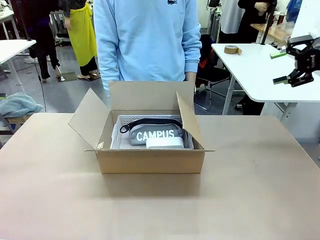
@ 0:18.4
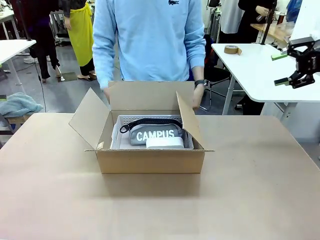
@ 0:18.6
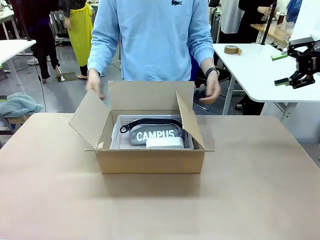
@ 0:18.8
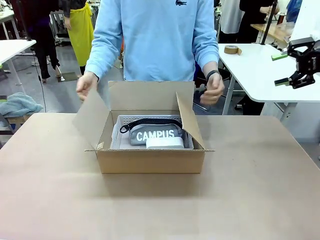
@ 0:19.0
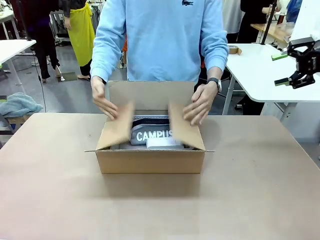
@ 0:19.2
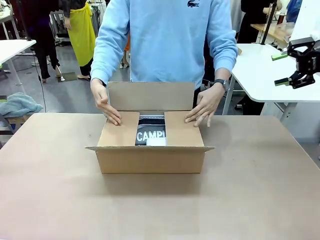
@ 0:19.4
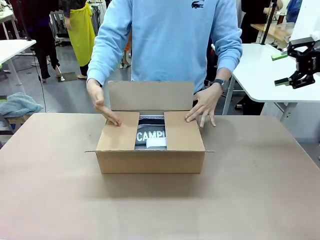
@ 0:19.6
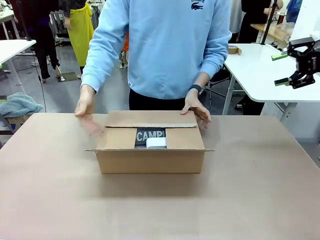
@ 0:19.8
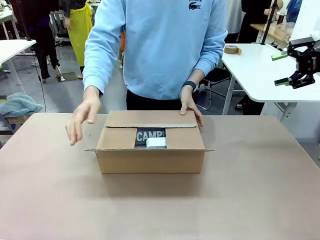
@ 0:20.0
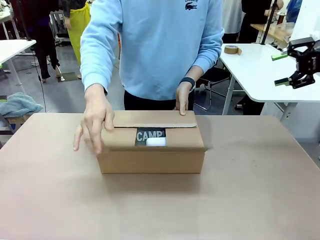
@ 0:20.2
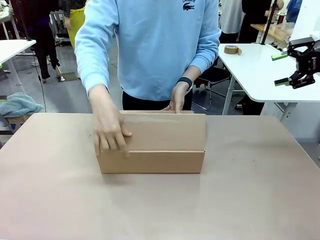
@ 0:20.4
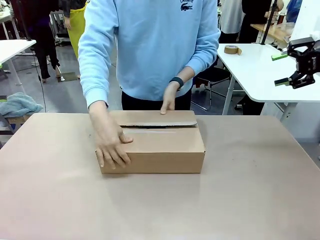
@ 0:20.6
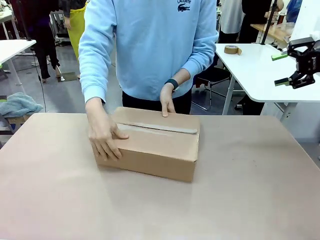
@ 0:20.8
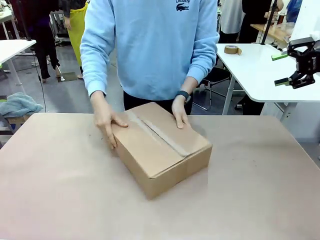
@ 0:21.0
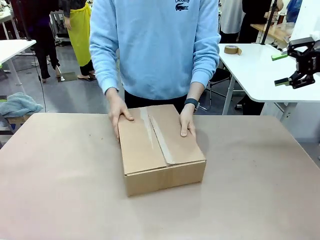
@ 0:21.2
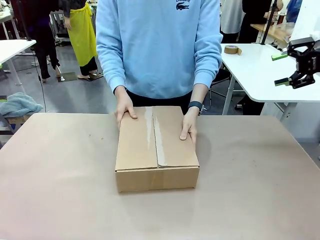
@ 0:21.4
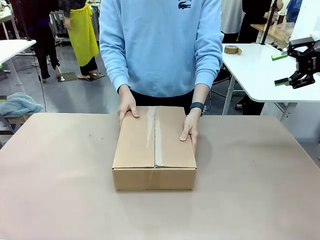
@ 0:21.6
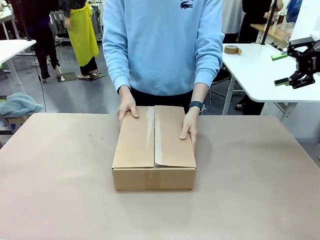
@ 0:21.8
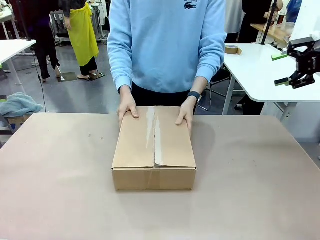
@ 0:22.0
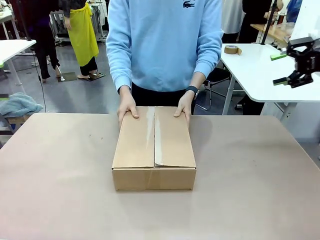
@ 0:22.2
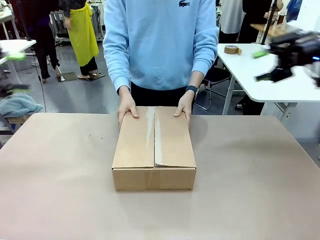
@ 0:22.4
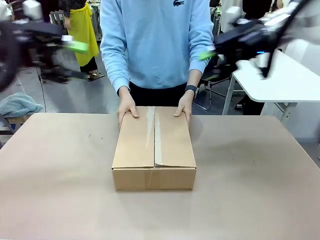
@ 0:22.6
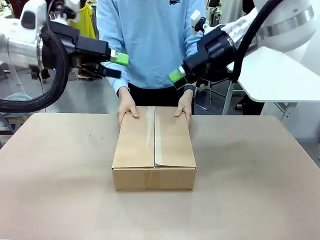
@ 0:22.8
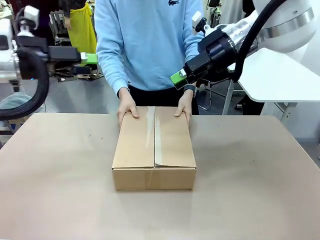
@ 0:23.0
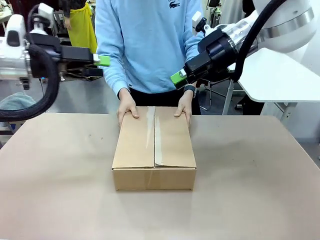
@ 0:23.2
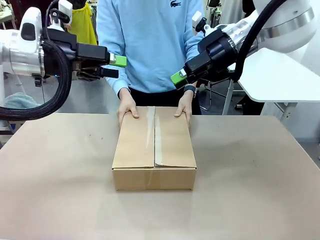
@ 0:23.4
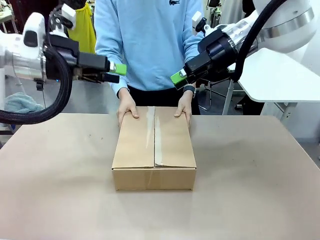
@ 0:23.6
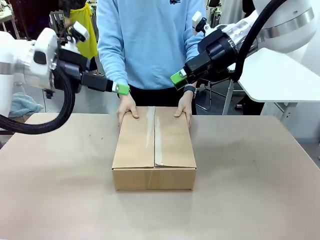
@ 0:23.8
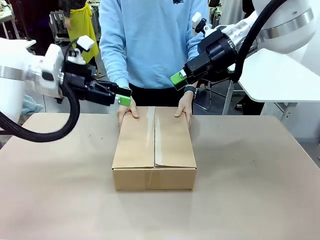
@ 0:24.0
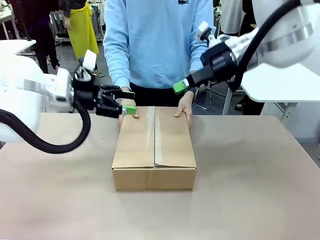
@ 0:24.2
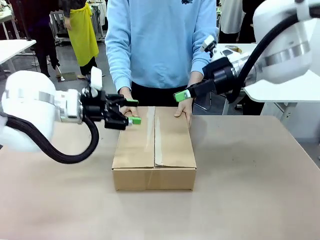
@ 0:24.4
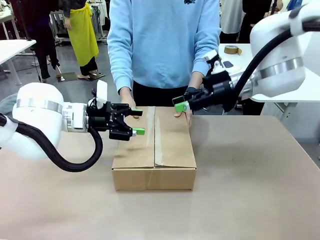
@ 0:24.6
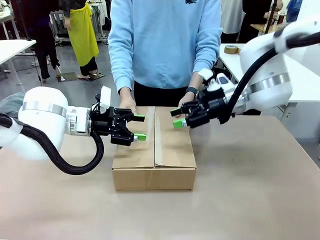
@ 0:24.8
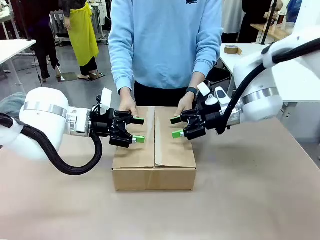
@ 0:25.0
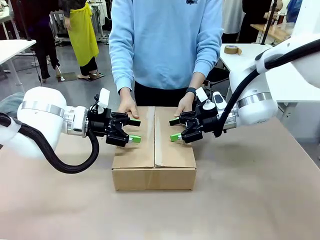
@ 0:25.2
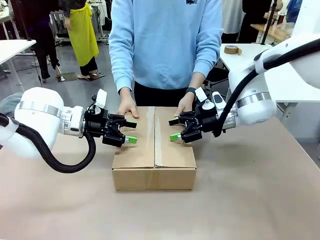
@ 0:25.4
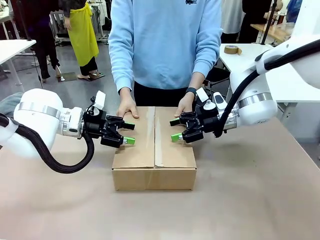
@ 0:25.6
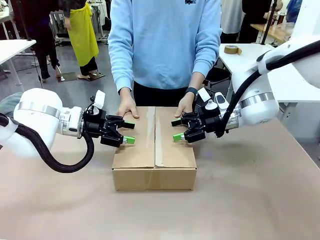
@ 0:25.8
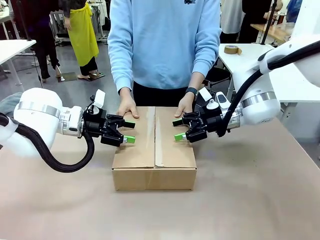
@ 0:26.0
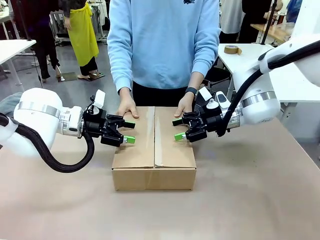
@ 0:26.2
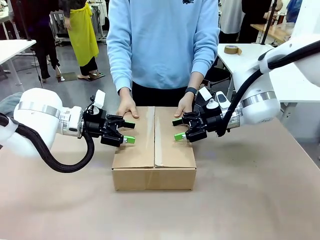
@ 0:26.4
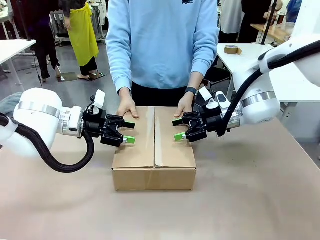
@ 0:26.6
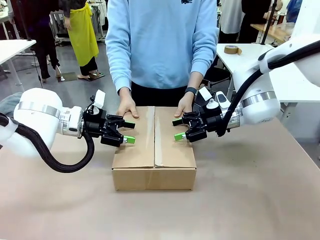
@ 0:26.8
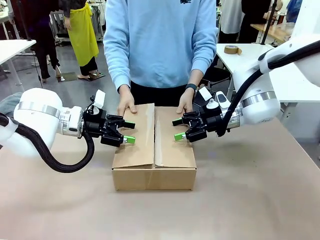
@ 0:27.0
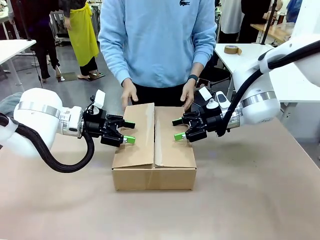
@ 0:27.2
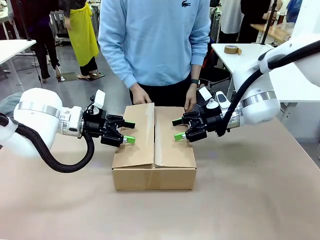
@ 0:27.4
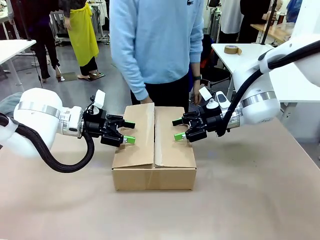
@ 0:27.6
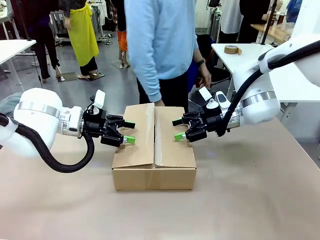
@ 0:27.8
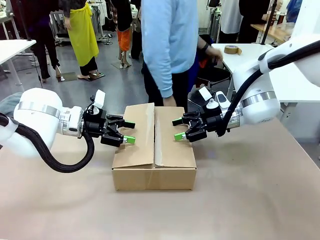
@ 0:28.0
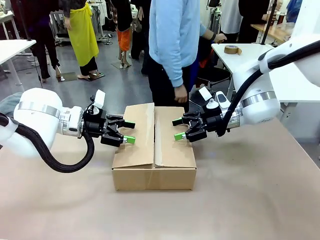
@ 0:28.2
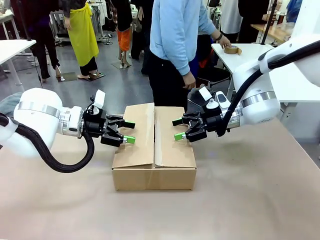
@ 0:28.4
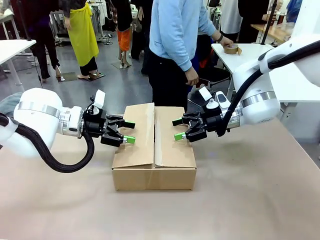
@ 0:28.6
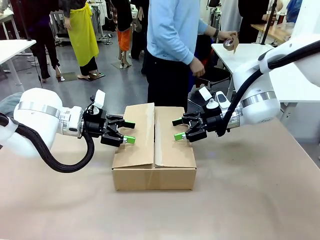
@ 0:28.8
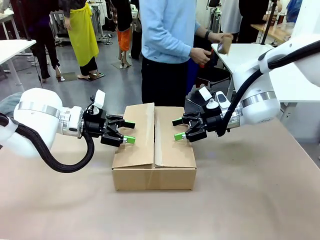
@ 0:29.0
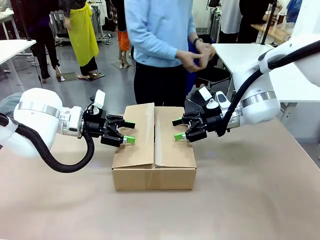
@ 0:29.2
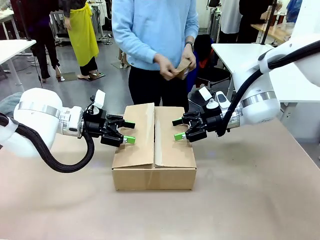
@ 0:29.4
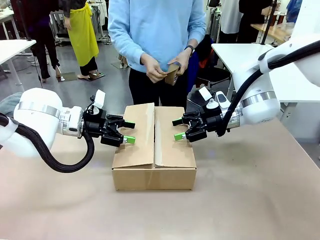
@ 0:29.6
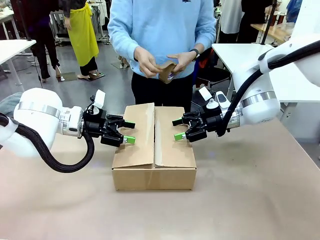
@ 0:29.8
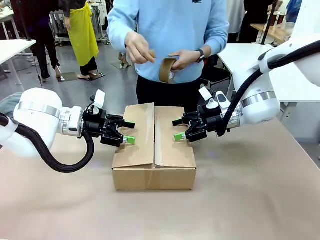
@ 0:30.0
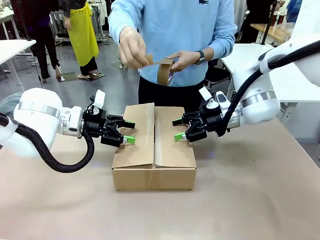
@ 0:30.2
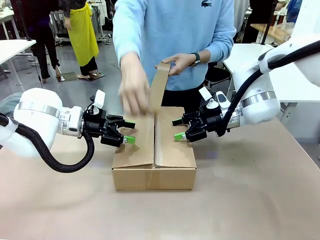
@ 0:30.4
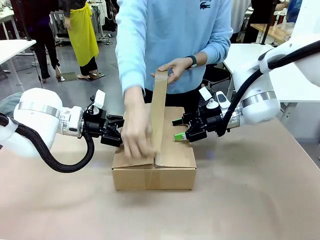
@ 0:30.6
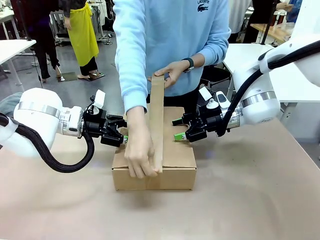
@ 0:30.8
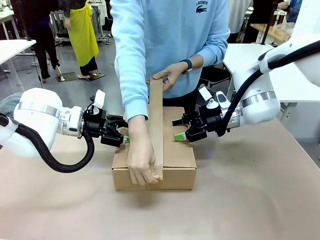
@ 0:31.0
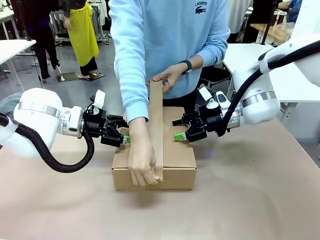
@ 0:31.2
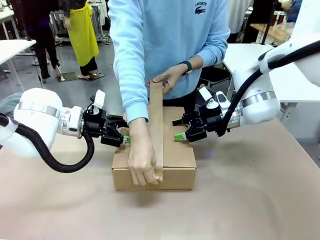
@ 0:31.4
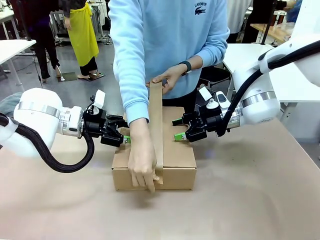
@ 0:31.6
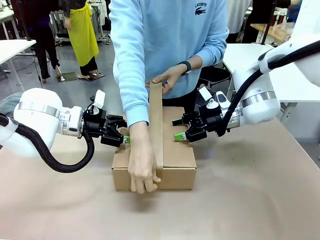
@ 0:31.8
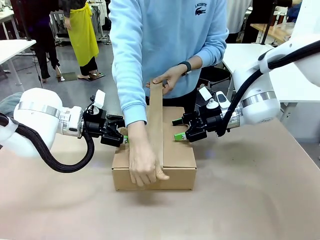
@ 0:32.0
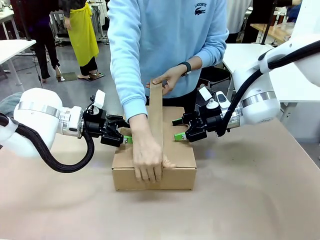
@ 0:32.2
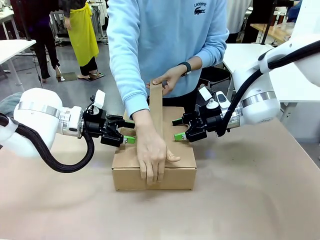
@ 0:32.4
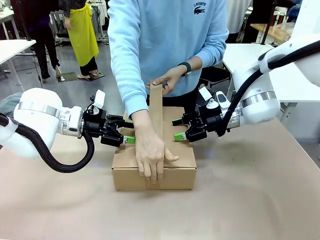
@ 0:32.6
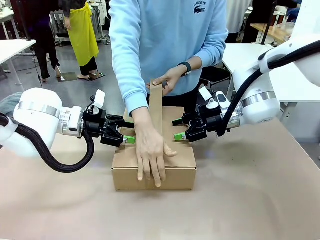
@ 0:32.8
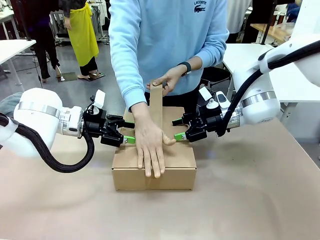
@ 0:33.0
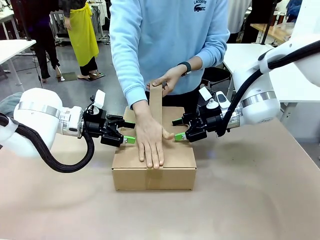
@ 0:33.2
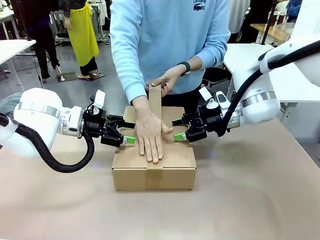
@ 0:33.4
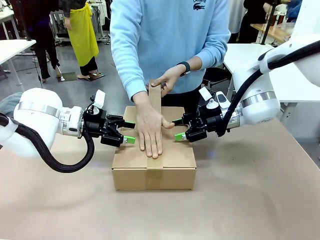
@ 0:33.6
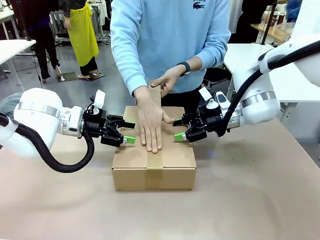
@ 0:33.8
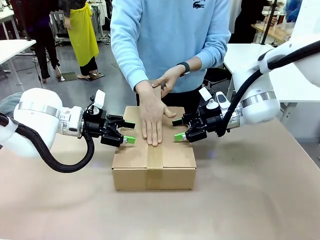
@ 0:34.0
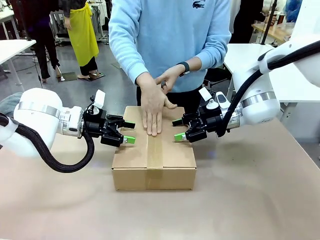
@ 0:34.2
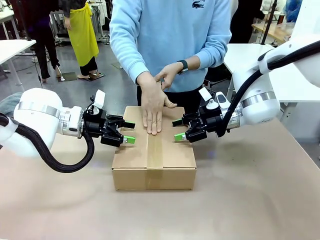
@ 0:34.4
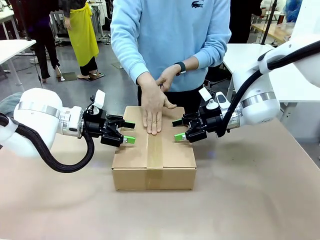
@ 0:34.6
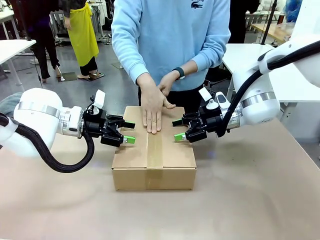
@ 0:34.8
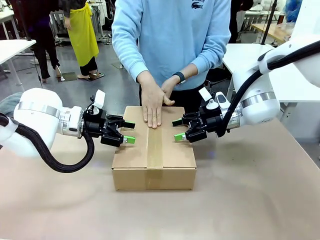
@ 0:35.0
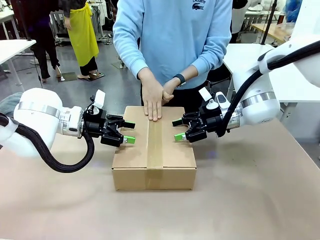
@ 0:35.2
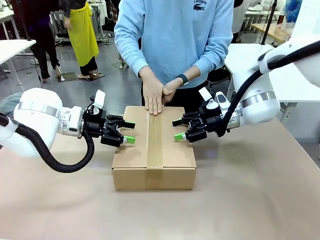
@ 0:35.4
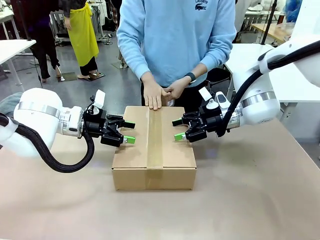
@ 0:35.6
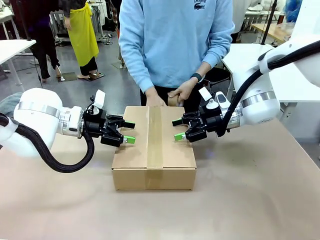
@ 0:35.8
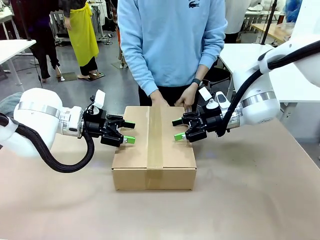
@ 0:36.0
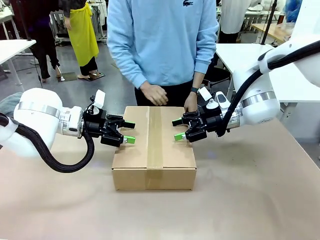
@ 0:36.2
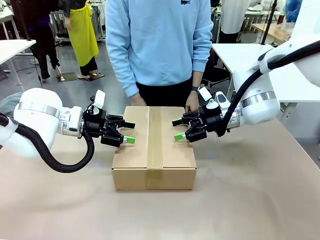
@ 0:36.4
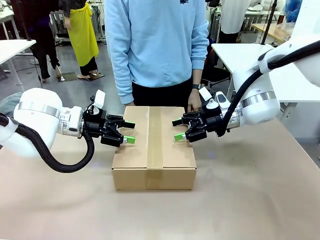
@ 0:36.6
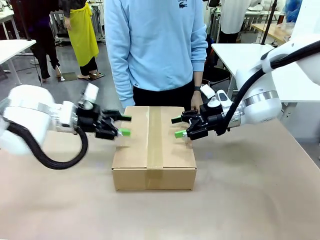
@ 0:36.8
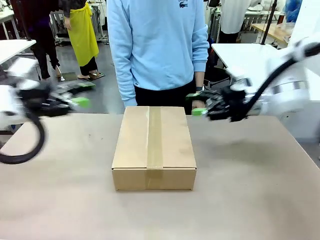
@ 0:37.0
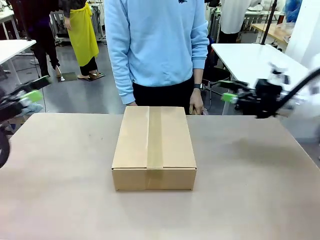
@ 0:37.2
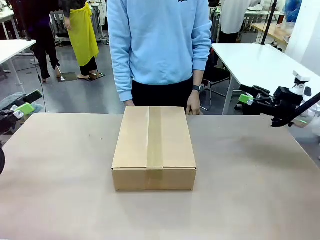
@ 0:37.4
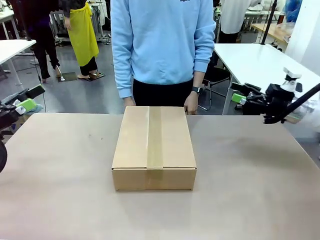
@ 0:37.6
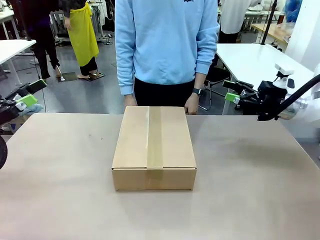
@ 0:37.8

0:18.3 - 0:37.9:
Task: Pack the gift set into the box.
Robot: Press and hold the closed box until the human finishes sealing it.
Person: The human closes the box and rotates the box by 90 degrees. The human picks up the paper tape from the human table and packs the box.
